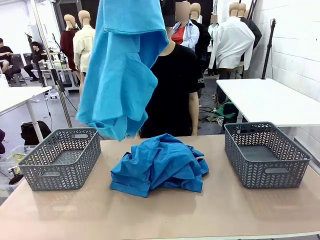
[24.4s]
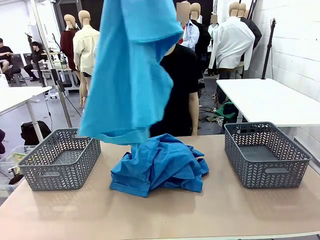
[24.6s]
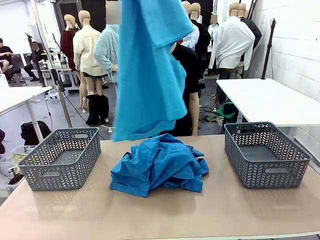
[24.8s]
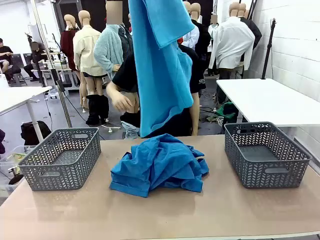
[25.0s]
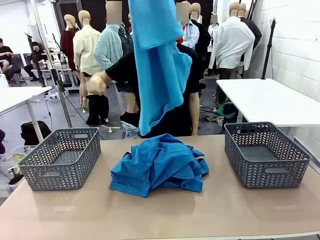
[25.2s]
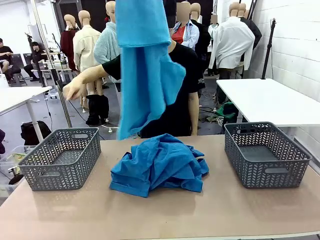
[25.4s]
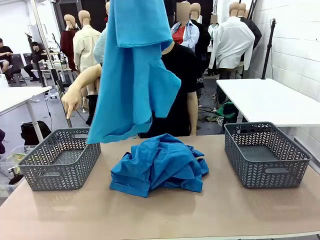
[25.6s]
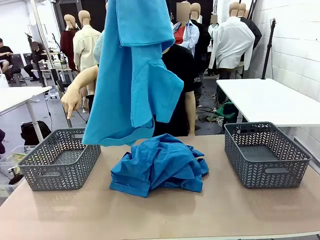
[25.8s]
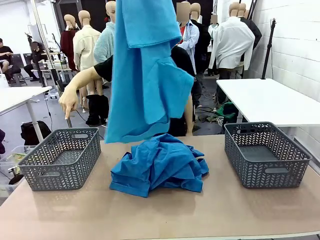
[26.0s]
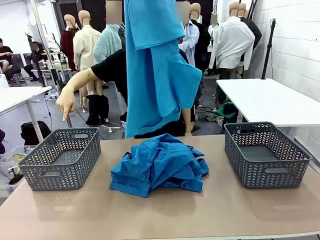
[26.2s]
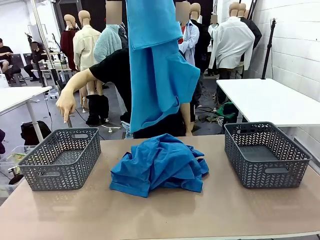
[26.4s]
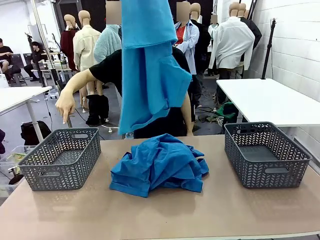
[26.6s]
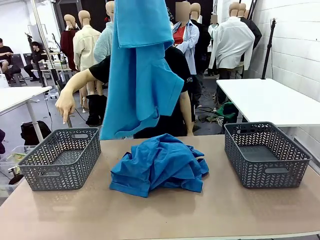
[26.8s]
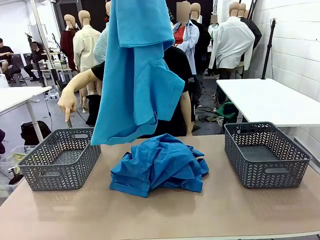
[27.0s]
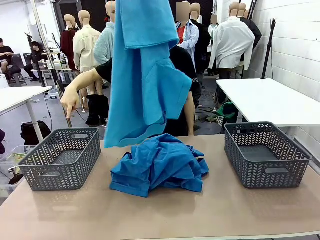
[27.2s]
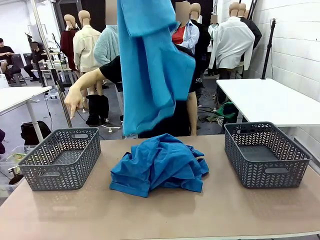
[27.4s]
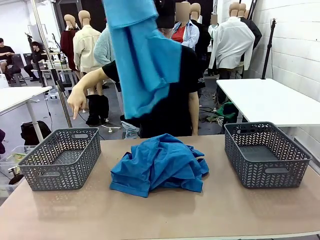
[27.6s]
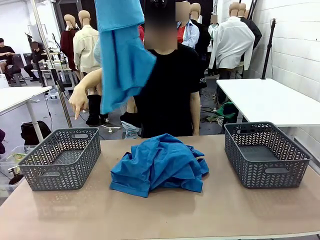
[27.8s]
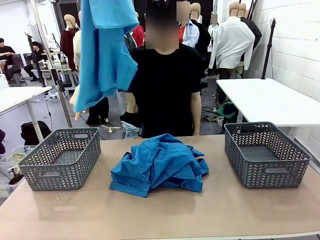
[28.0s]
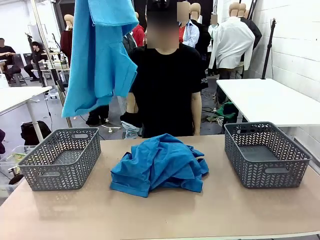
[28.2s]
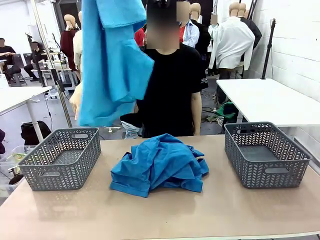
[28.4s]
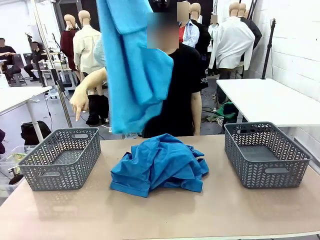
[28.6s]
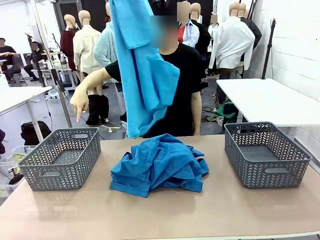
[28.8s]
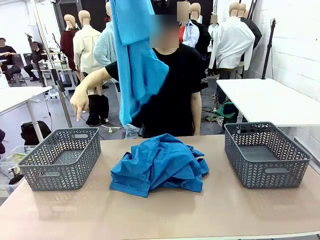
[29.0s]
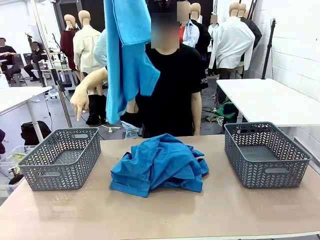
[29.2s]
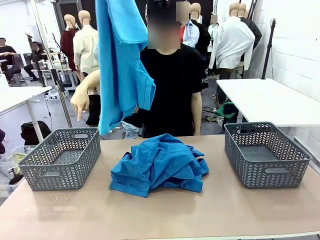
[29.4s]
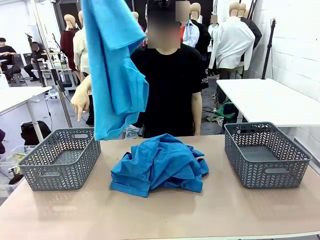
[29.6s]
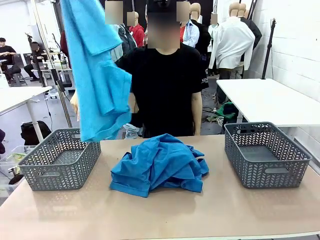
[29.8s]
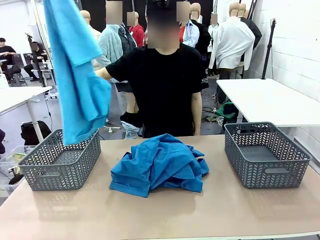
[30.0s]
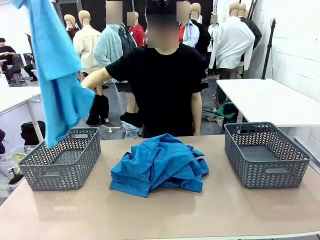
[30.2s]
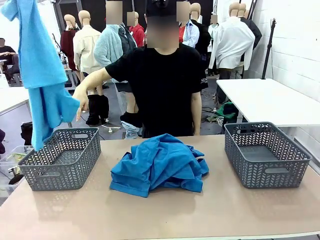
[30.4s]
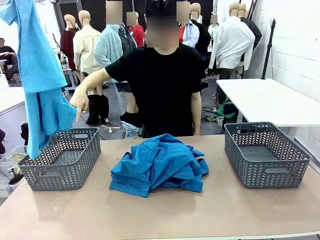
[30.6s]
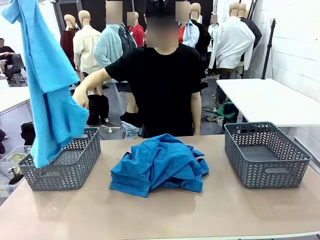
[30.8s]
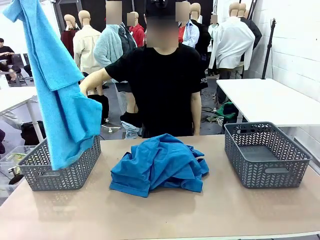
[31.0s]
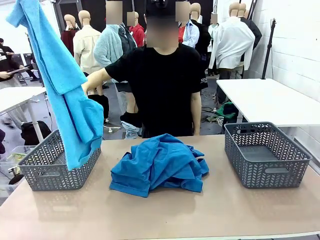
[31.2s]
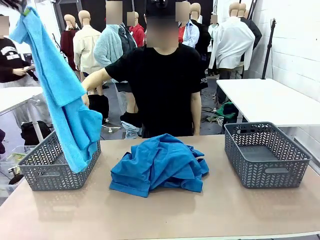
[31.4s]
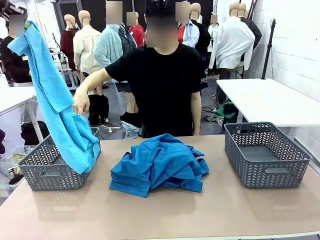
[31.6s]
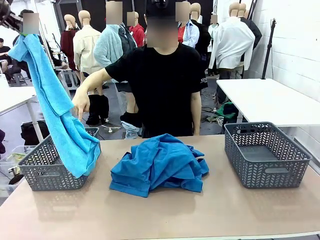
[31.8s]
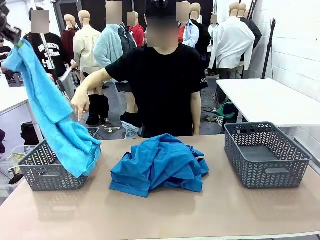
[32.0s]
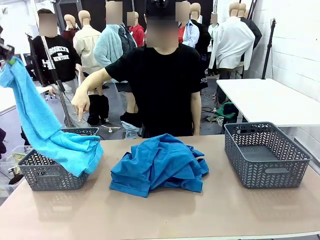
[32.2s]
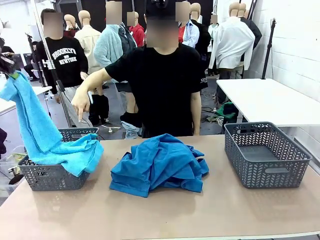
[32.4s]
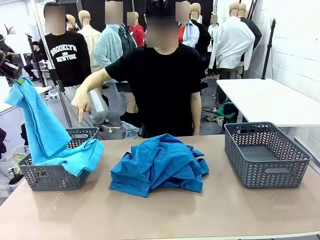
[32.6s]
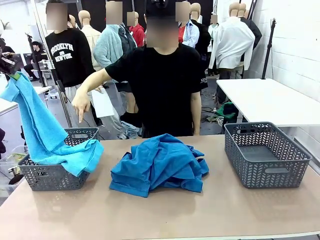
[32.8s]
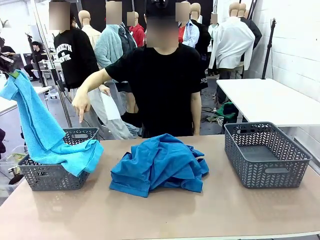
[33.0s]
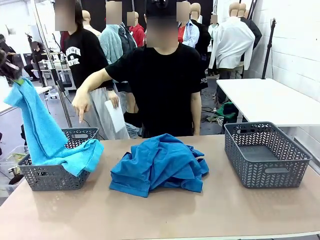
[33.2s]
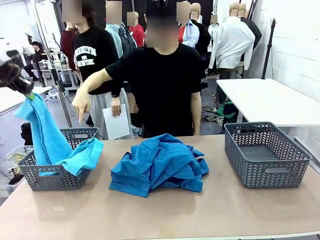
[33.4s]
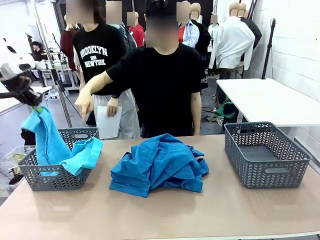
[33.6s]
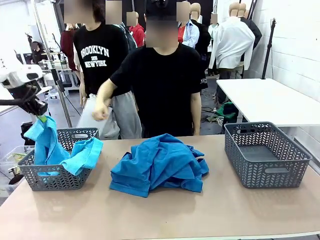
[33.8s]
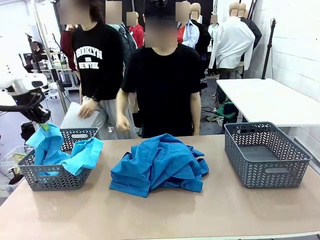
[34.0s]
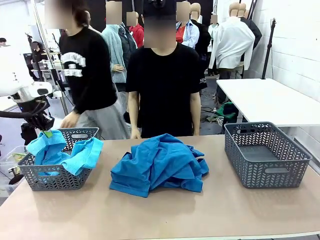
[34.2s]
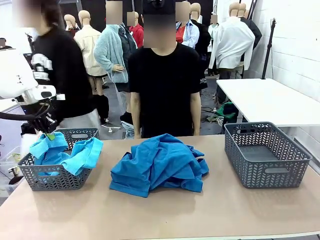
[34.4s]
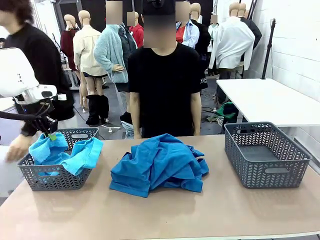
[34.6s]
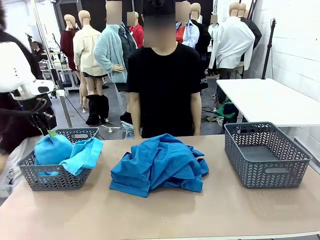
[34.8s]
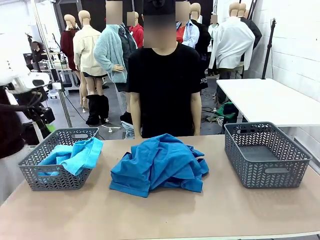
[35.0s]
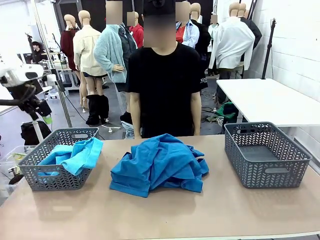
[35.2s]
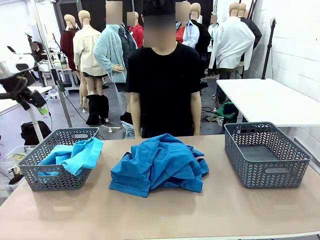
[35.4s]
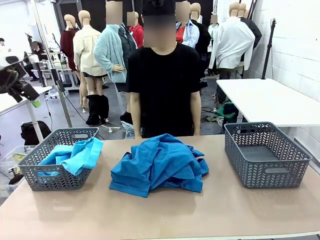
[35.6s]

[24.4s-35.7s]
Task: Sort the tops and bottoms.
Robot: Sort the clothes according to human instructions.

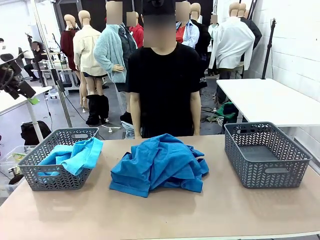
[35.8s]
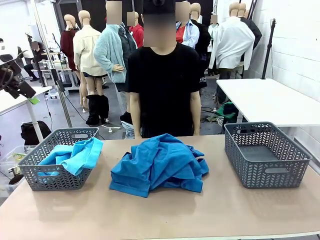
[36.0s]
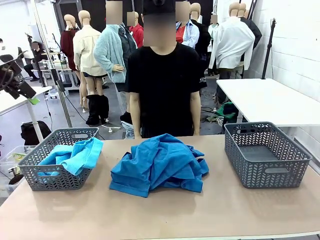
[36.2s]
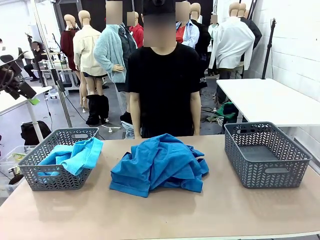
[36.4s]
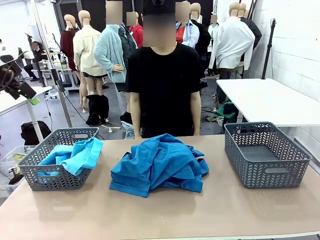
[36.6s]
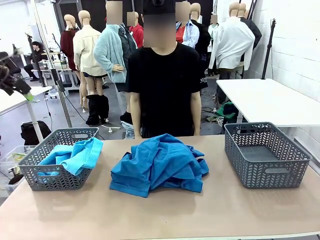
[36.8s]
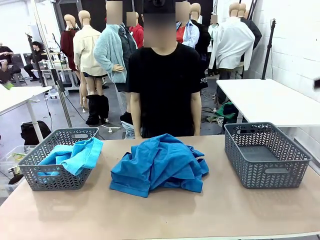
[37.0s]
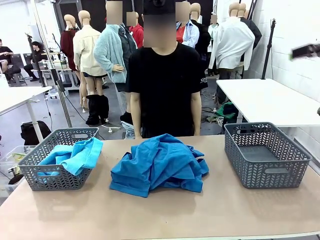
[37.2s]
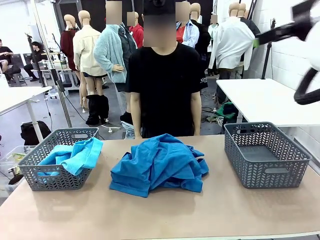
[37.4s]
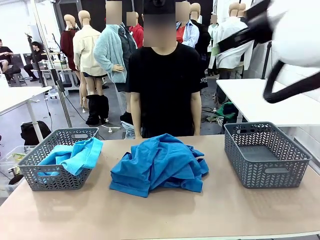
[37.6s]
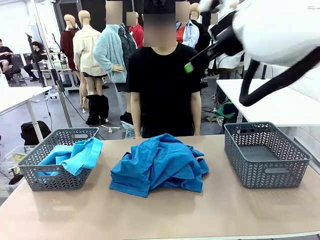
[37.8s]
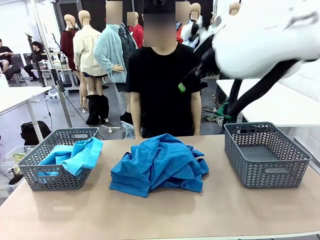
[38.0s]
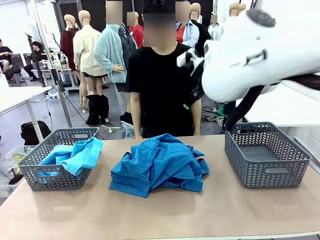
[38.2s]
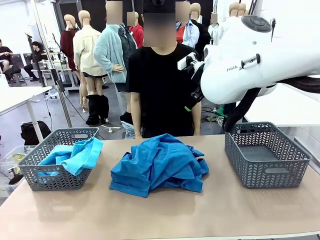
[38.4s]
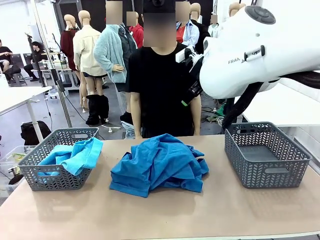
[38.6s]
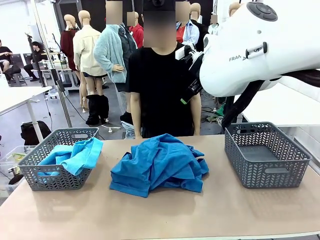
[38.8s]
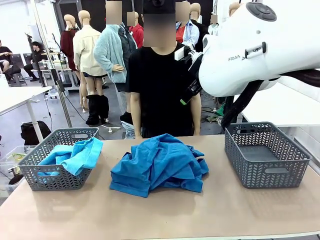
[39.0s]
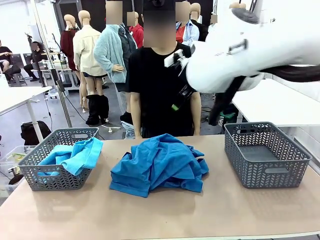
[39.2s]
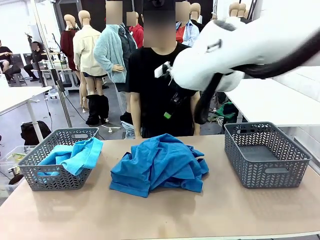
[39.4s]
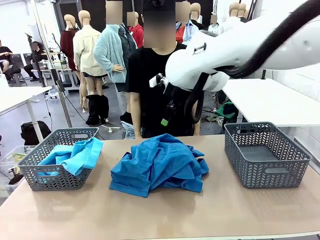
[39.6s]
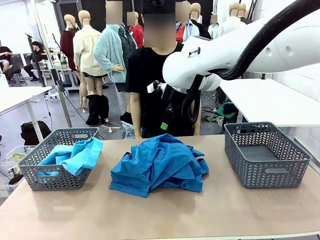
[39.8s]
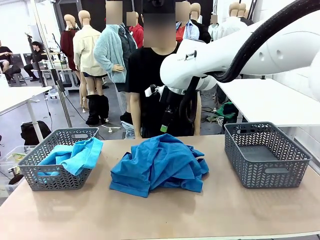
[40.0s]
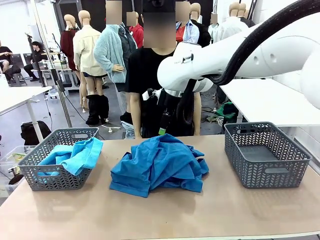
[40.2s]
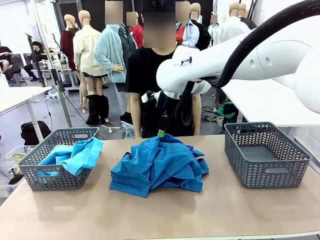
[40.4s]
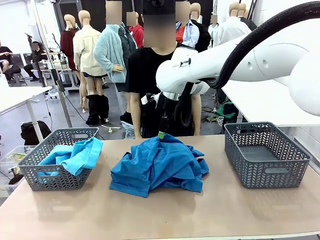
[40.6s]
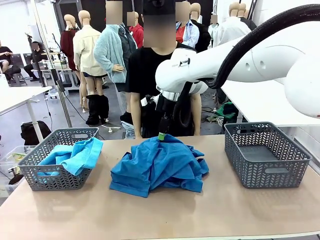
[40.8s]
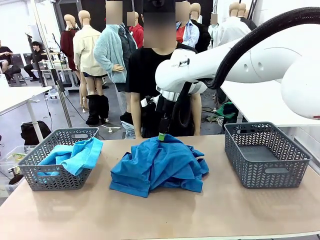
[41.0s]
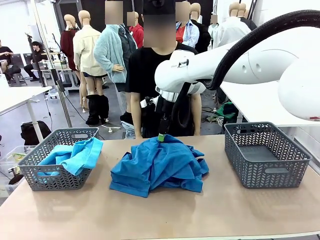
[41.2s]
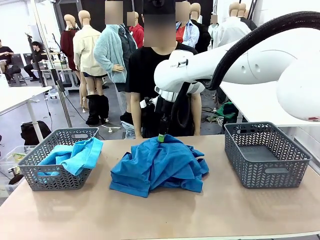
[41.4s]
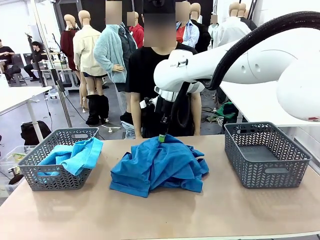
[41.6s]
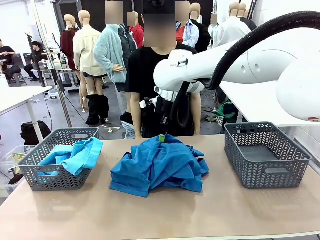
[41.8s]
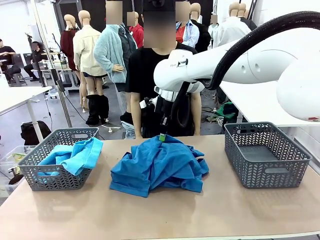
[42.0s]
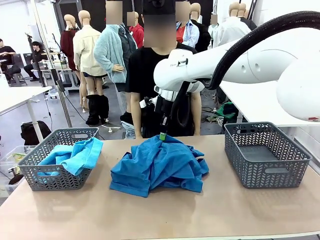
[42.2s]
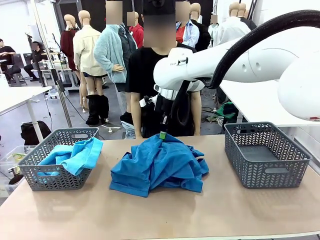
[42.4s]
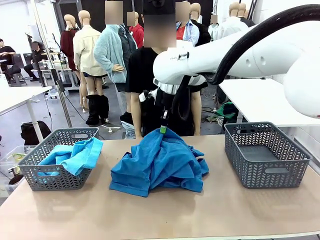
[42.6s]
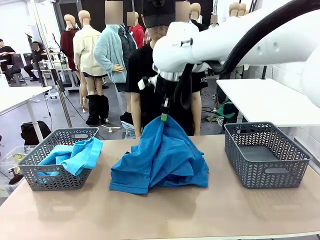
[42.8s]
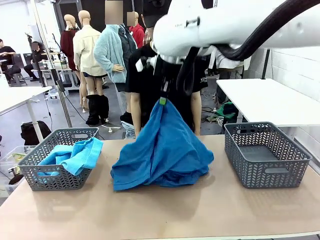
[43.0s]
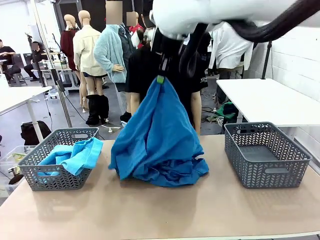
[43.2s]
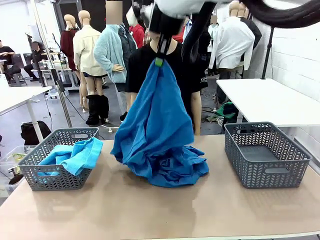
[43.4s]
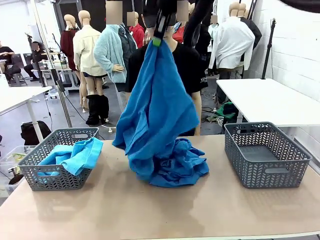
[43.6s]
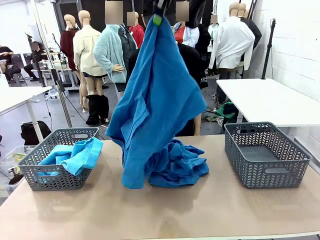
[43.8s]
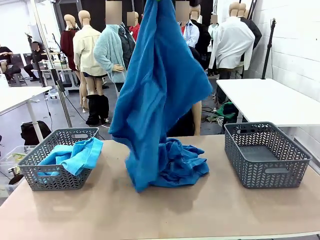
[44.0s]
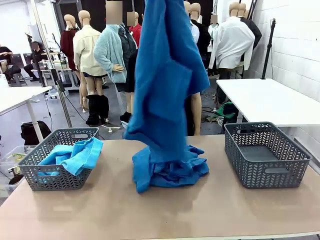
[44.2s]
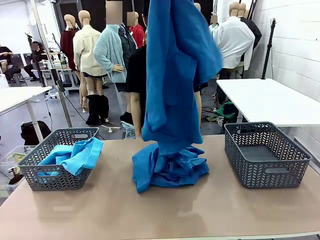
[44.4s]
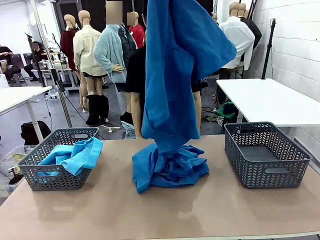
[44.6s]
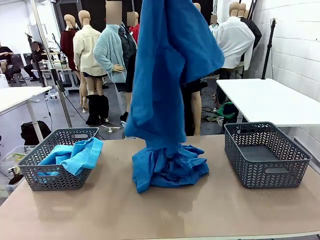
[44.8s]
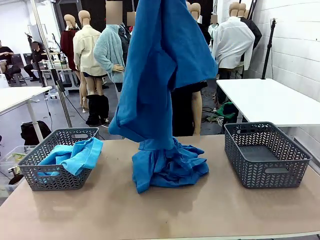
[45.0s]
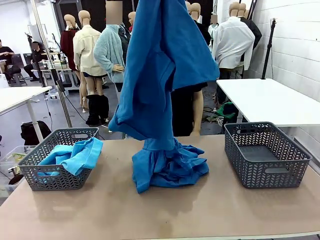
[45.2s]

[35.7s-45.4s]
Robot: Lift clothes from the center of the table with your right hand.
